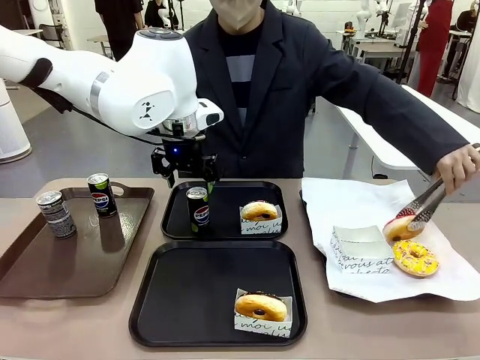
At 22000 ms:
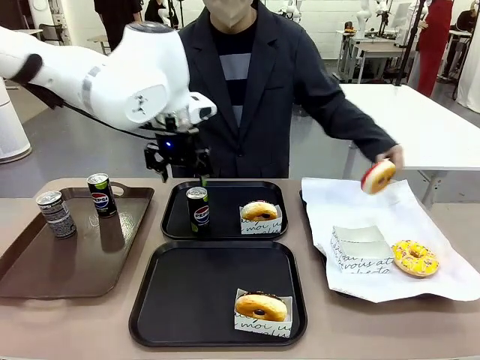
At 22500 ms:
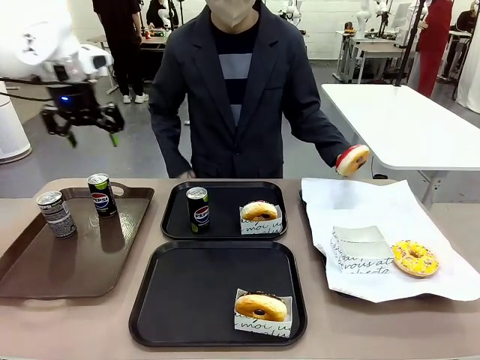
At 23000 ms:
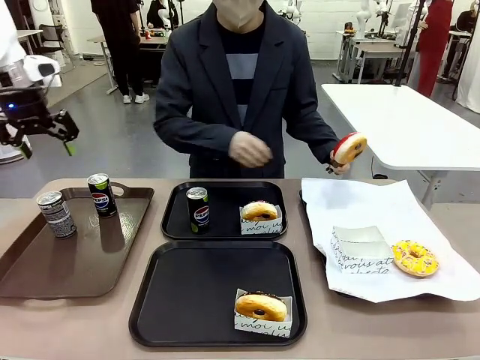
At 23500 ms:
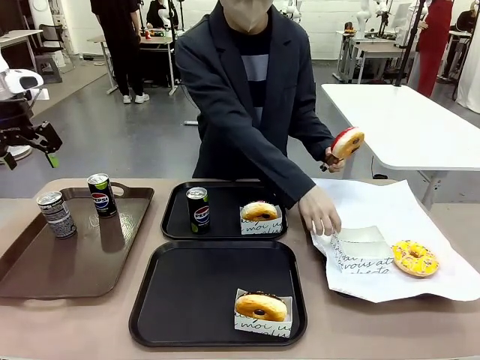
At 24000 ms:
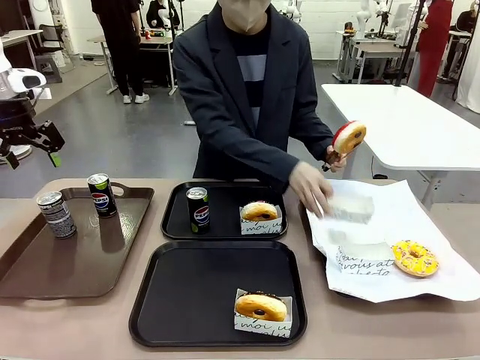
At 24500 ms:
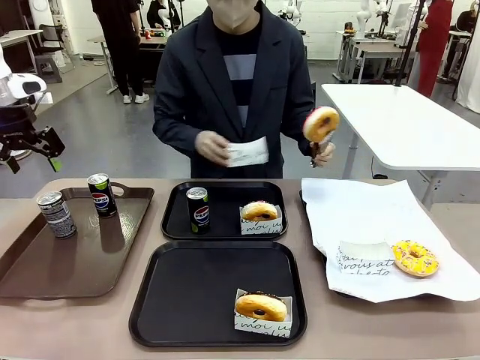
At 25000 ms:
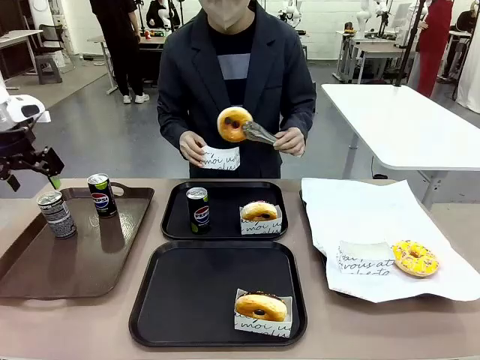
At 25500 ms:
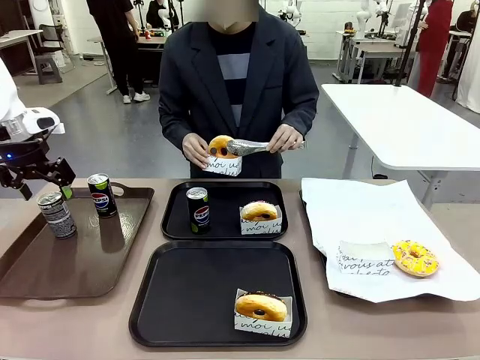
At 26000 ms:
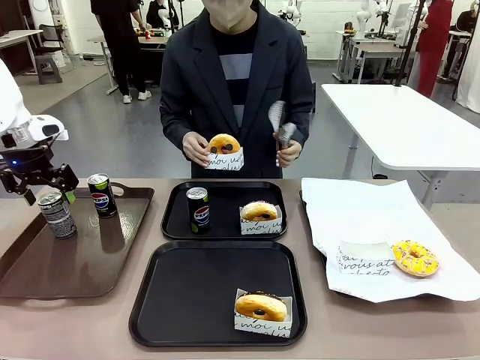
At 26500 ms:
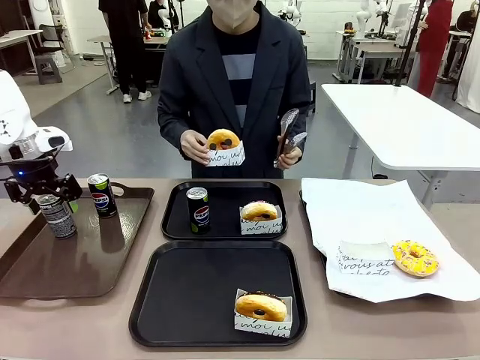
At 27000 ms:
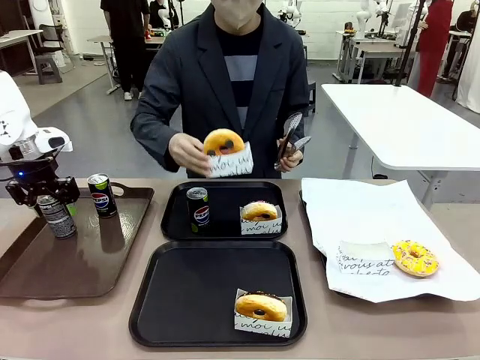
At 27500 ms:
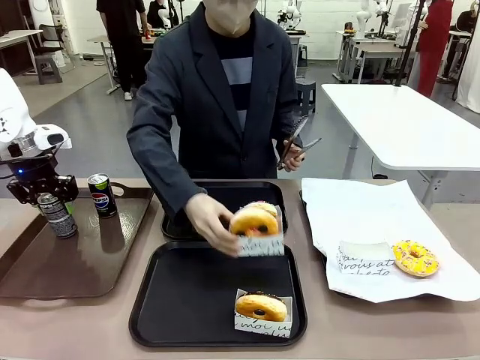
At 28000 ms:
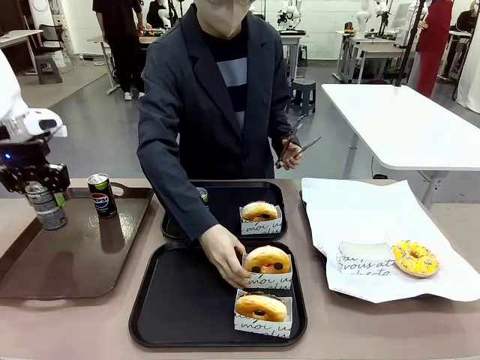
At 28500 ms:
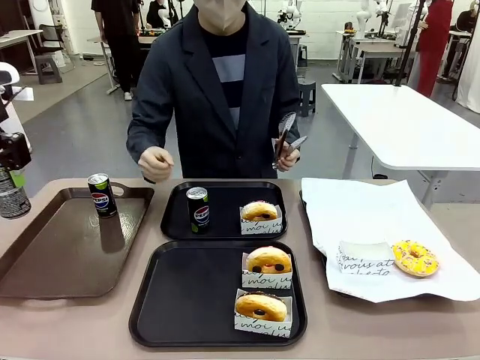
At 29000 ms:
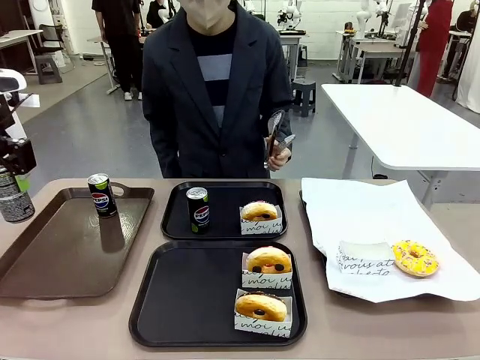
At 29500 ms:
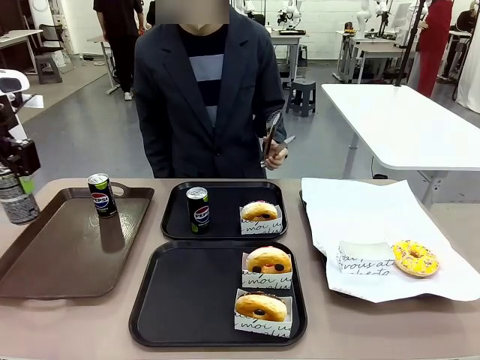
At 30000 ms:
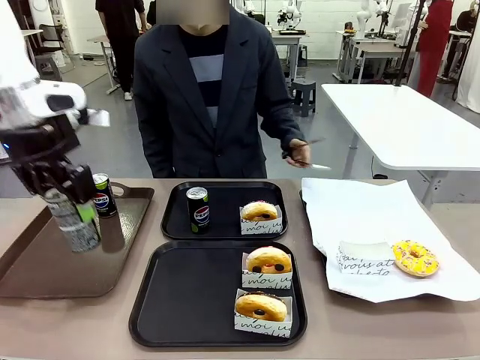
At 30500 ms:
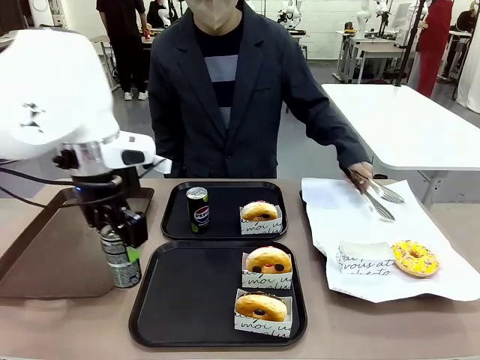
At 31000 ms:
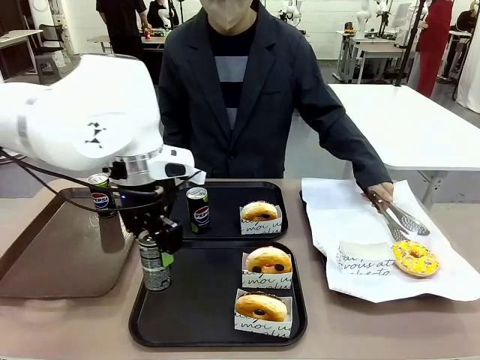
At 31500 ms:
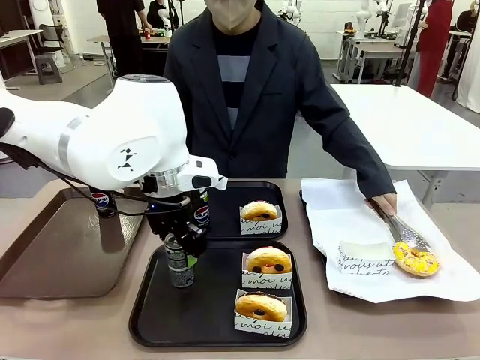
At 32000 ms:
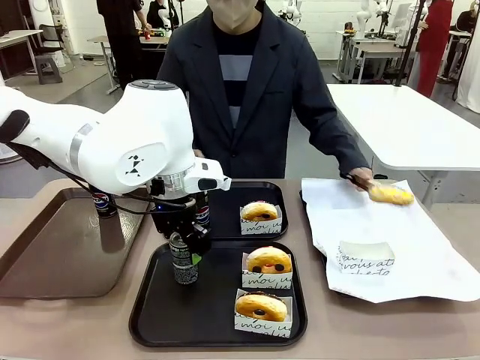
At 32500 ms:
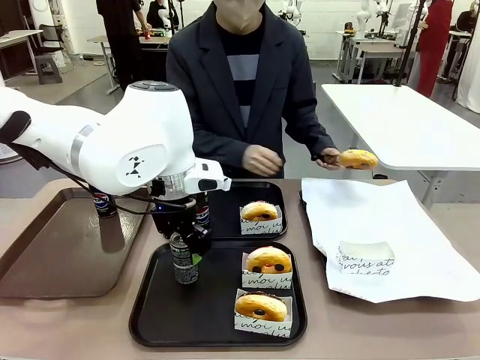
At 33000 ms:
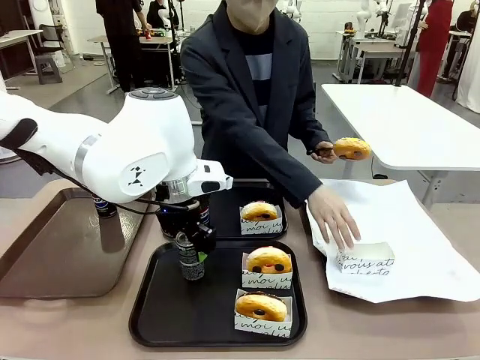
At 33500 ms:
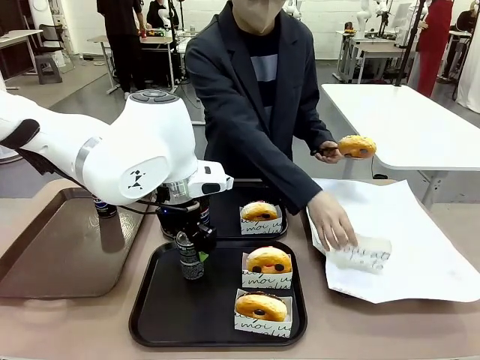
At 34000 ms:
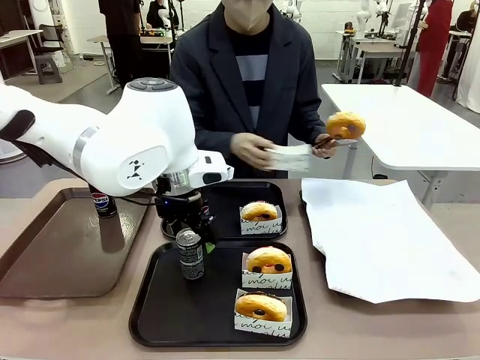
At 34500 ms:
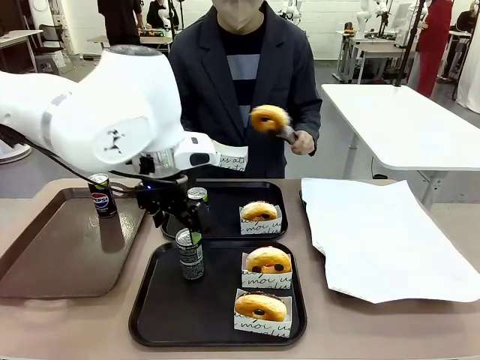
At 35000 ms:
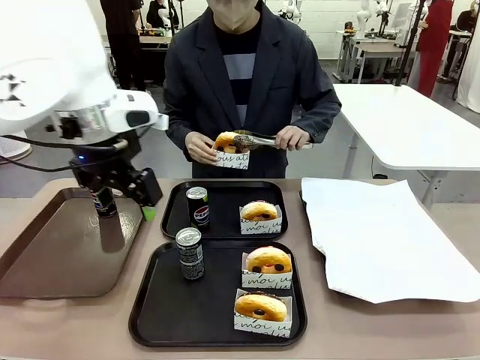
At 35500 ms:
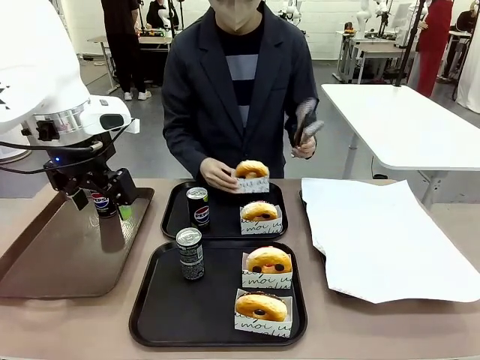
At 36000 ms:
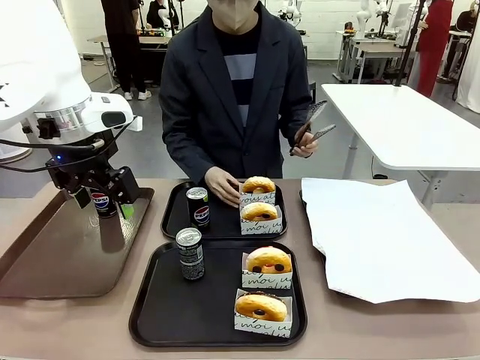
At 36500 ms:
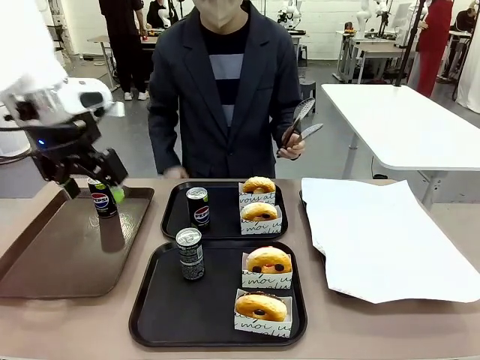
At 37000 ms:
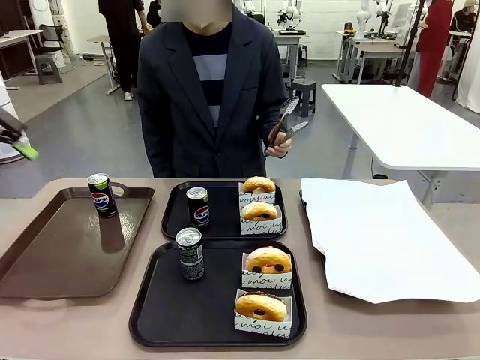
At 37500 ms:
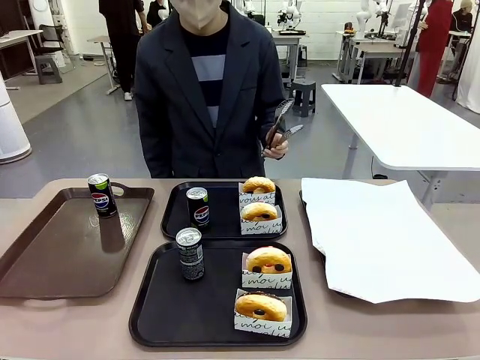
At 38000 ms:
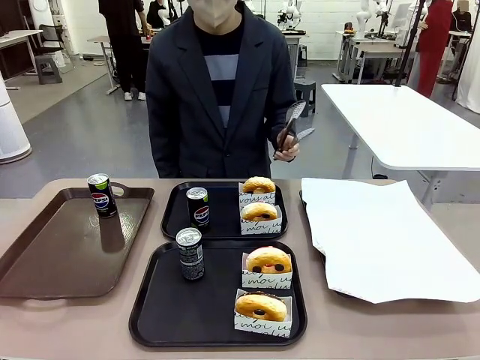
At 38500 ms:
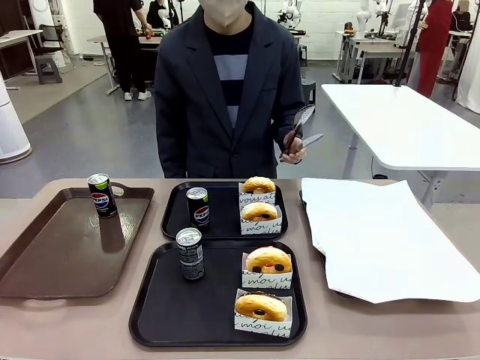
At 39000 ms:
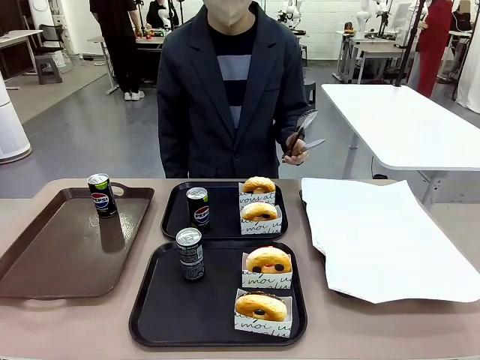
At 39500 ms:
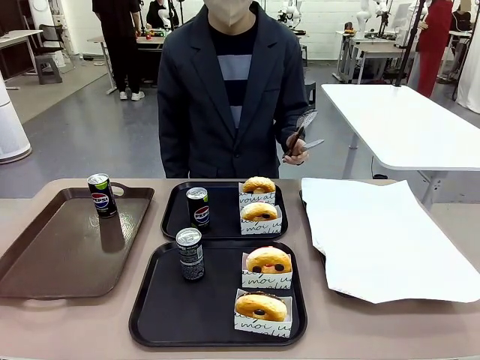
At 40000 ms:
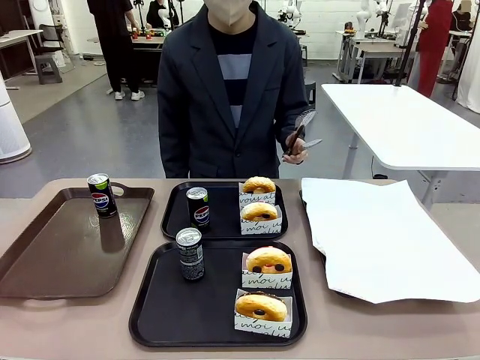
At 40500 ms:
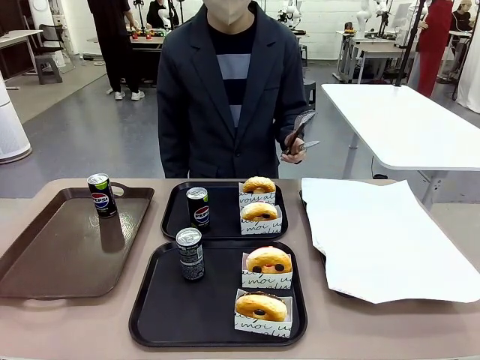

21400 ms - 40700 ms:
Task: Set up donuts and drinks on trays.
Robot: Pick up one Pepsi coke from the Handle tray and place it on the Flat Tray without a Pepsi coke.
